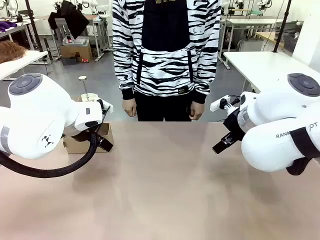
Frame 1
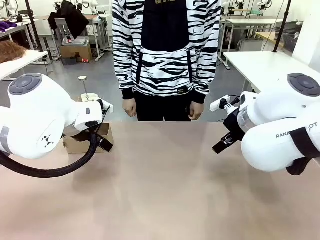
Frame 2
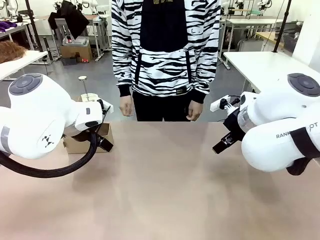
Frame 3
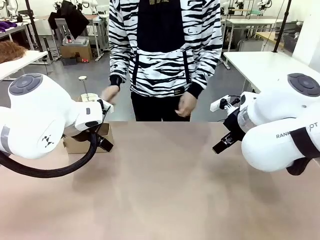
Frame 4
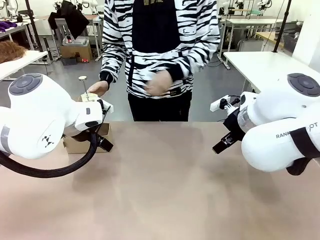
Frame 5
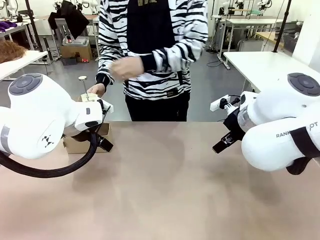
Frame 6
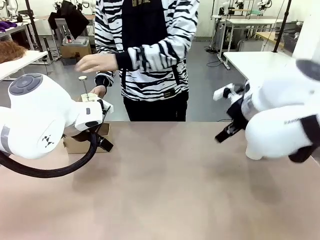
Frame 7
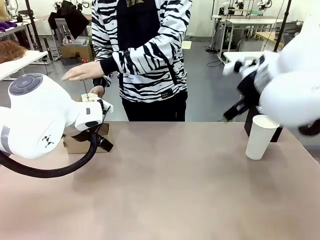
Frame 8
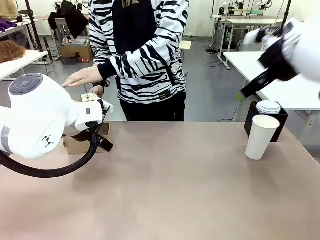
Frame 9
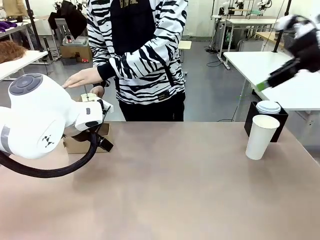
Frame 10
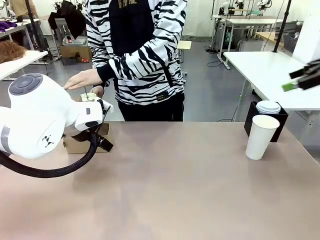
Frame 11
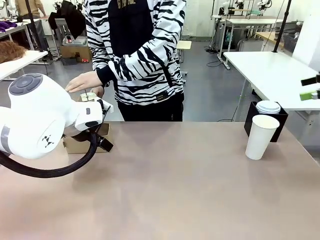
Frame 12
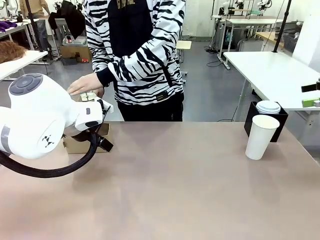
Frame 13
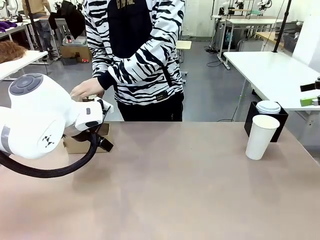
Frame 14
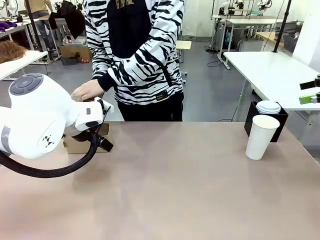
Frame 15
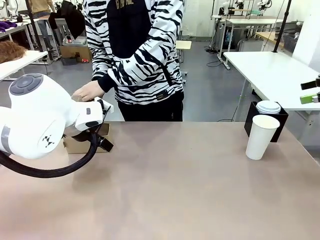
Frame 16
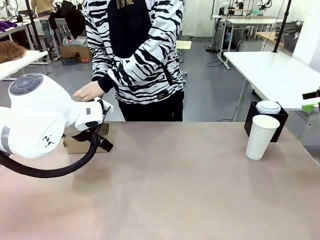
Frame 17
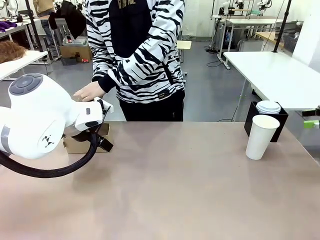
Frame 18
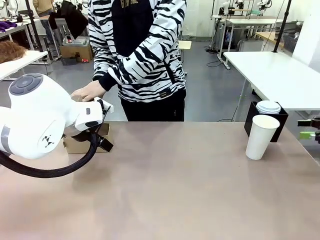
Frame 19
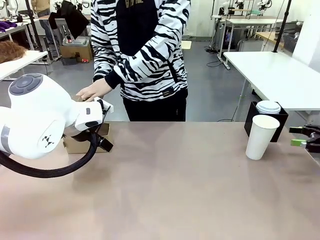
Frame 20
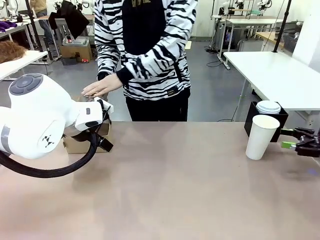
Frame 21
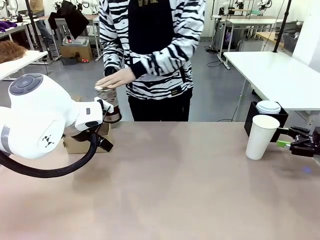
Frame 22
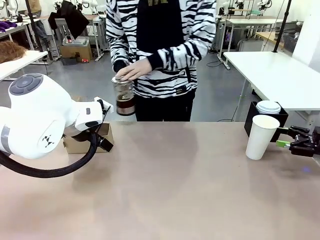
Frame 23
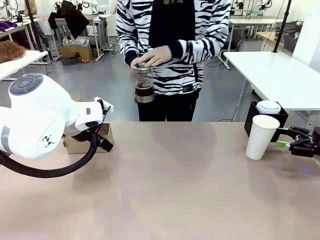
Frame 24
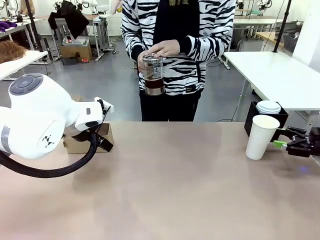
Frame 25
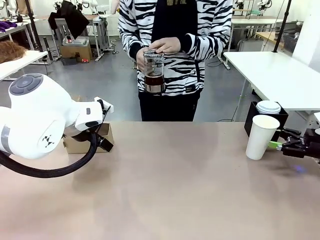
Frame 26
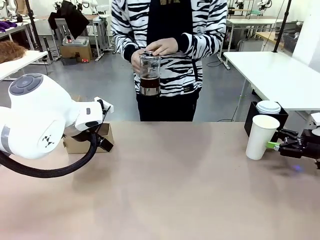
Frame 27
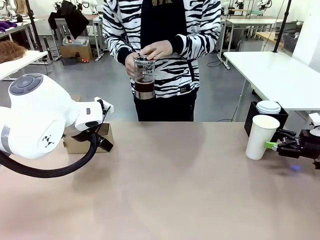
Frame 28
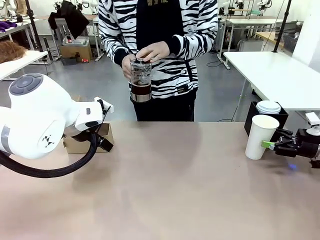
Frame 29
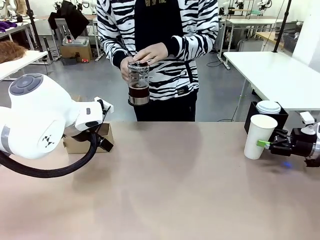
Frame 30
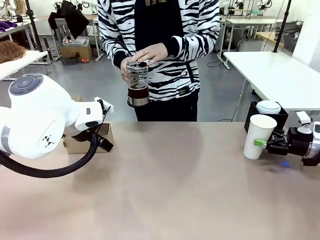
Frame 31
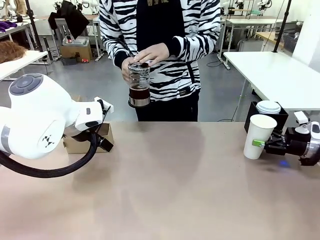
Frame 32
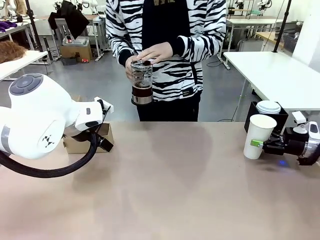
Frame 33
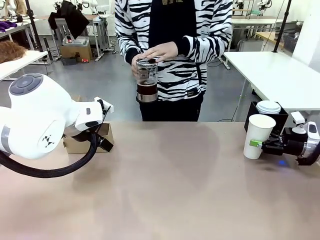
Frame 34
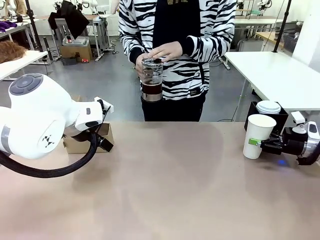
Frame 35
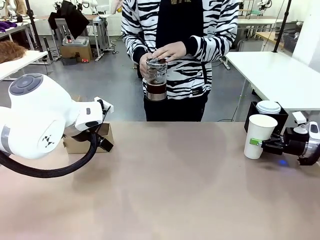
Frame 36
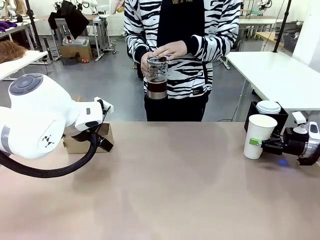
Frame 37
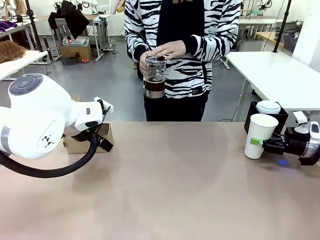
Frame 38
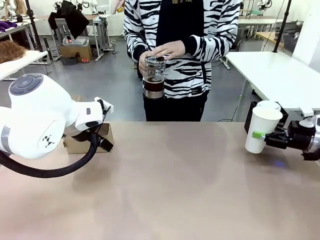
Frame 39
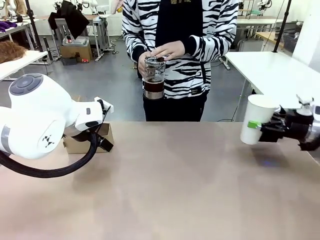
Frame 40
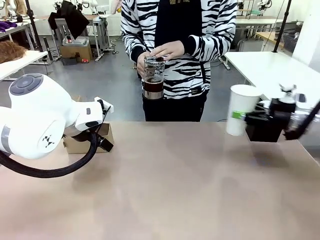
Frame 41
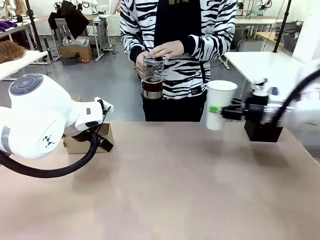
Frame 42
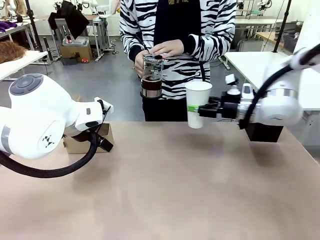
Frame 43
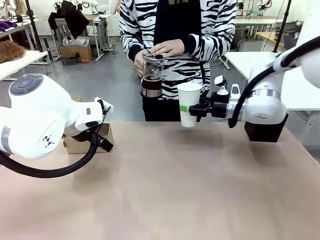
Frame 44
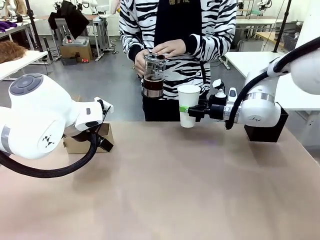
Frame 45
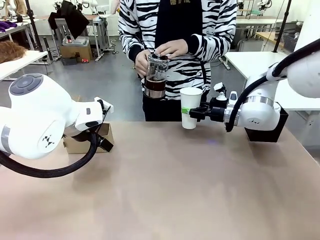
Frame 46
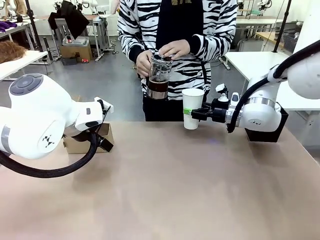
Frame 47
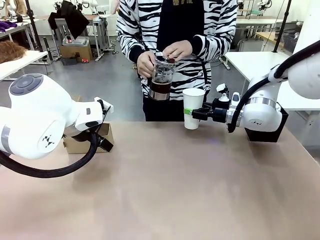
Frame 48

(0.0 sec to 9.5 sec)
Task: Pour a drink into a cup and package it in a carrier.
Robot: Pick up the 600 ml Paper Cup and place it in the middle top area of the table.
Person: Press and pick up the Filter Brewing.

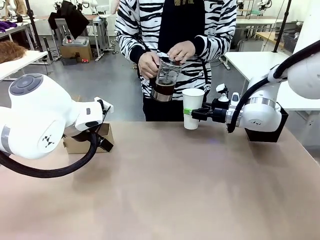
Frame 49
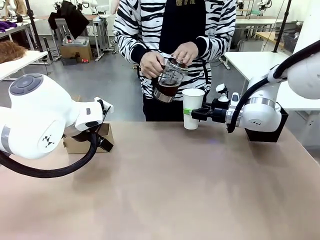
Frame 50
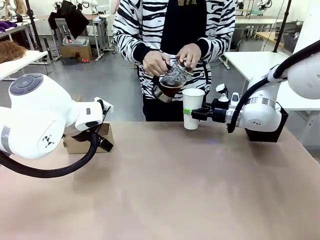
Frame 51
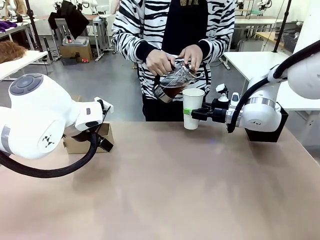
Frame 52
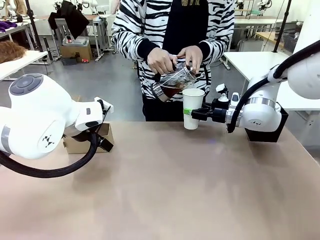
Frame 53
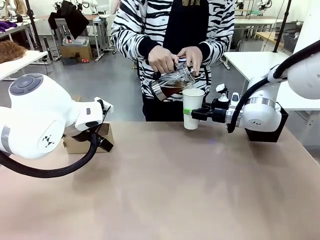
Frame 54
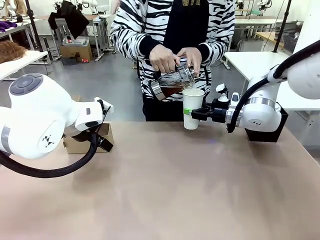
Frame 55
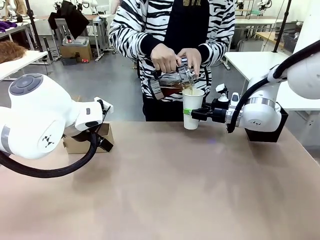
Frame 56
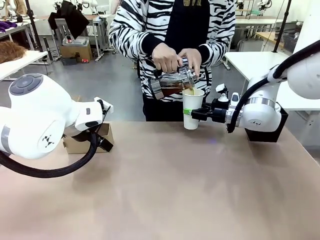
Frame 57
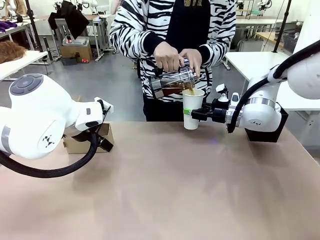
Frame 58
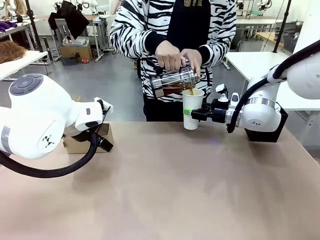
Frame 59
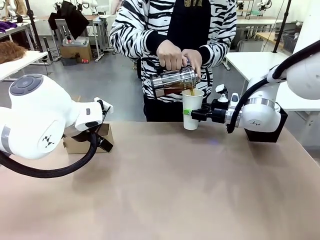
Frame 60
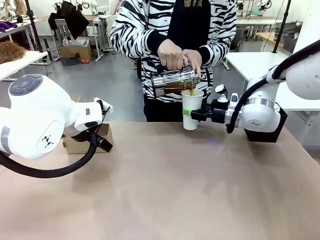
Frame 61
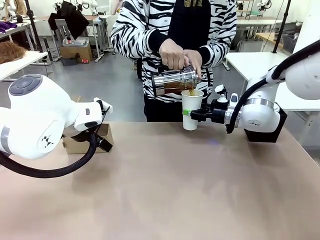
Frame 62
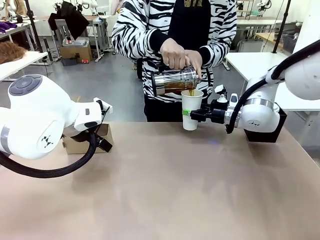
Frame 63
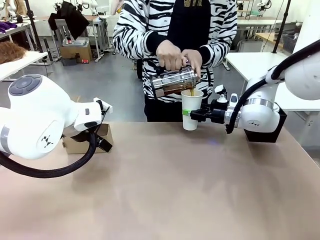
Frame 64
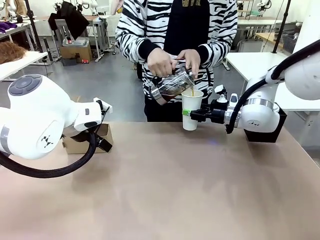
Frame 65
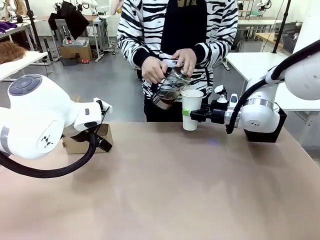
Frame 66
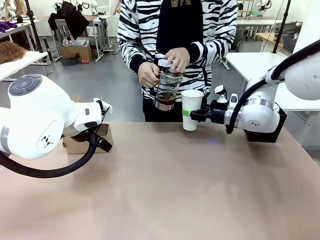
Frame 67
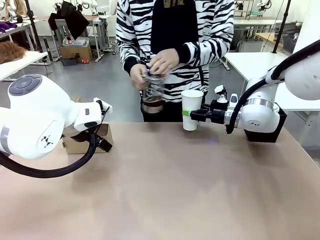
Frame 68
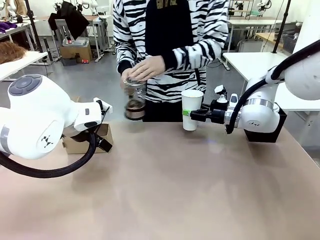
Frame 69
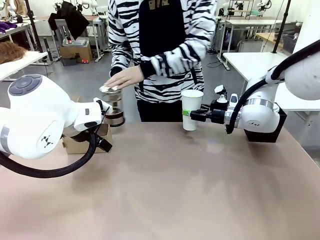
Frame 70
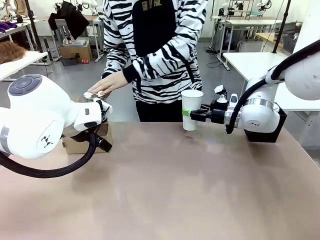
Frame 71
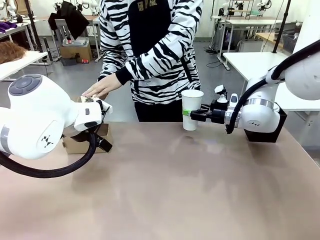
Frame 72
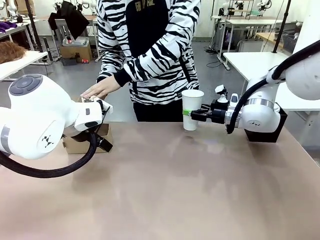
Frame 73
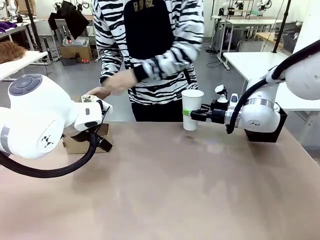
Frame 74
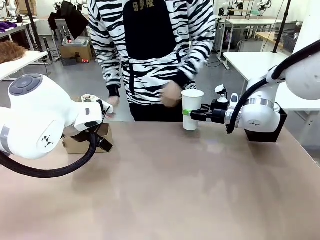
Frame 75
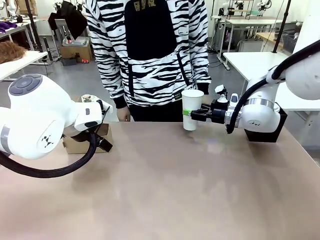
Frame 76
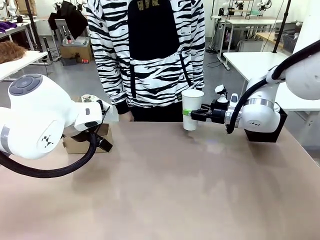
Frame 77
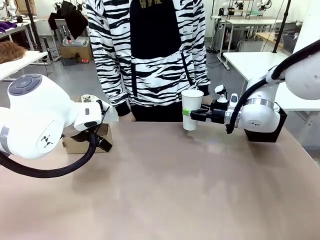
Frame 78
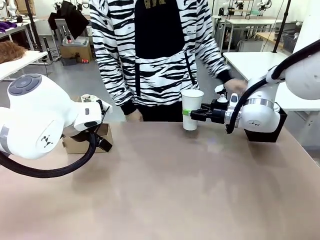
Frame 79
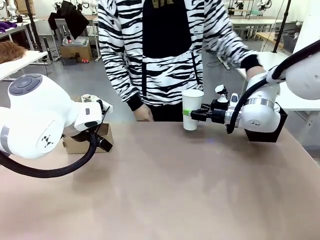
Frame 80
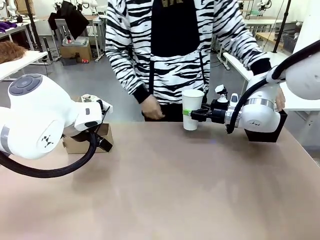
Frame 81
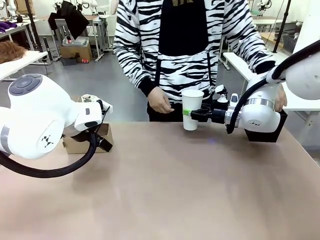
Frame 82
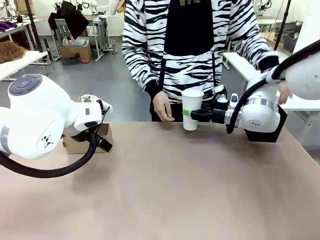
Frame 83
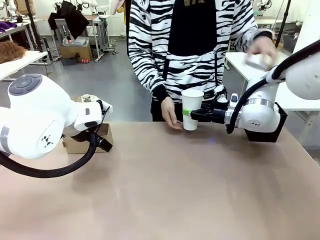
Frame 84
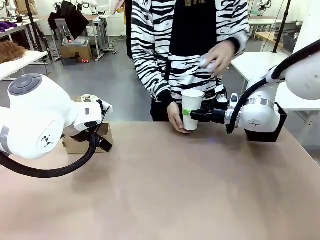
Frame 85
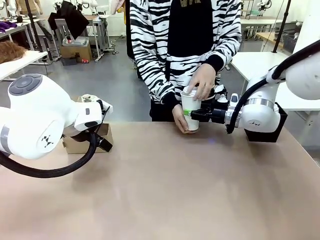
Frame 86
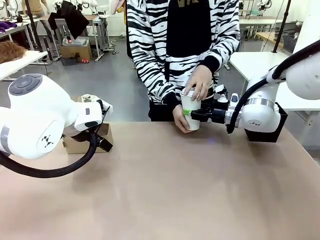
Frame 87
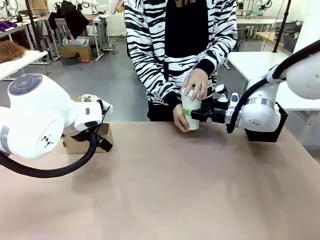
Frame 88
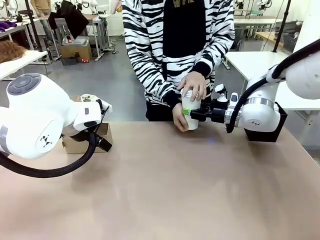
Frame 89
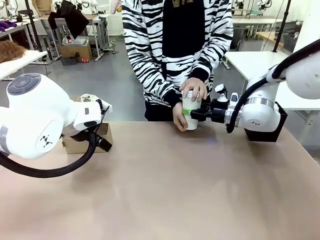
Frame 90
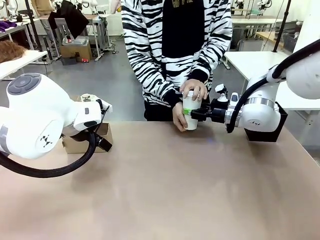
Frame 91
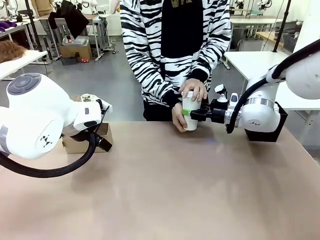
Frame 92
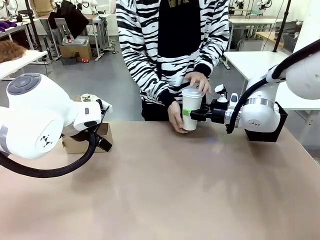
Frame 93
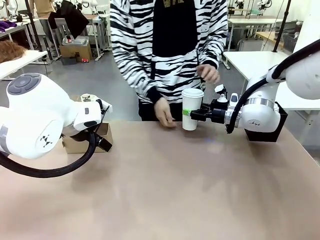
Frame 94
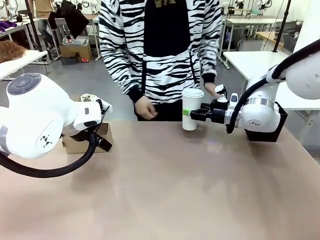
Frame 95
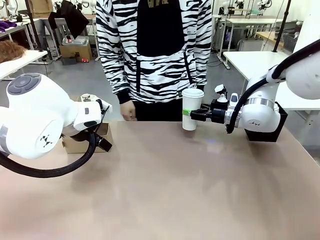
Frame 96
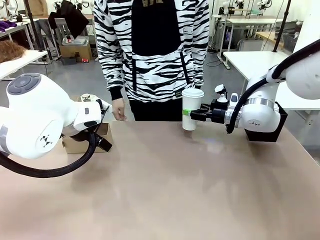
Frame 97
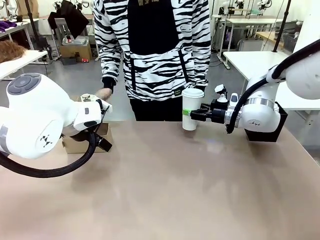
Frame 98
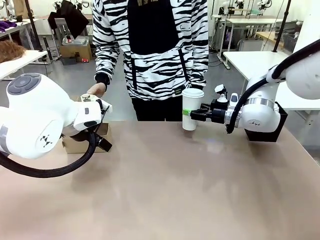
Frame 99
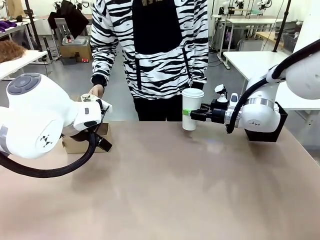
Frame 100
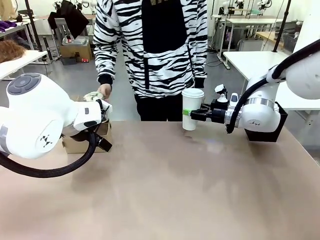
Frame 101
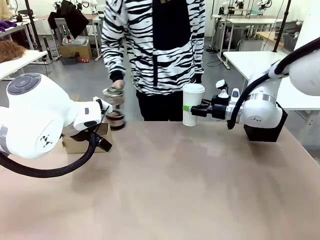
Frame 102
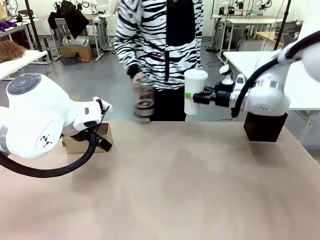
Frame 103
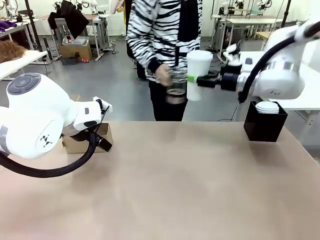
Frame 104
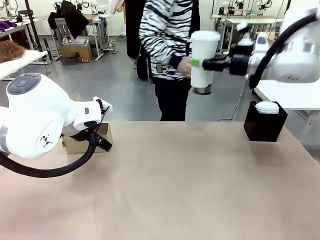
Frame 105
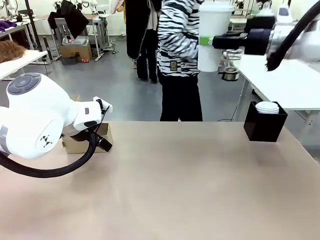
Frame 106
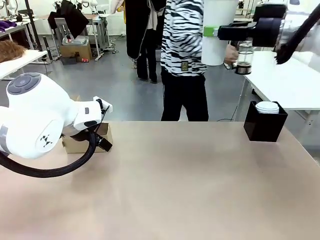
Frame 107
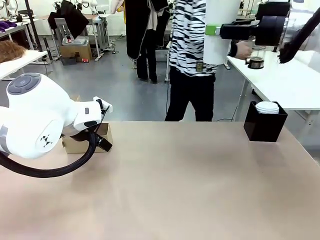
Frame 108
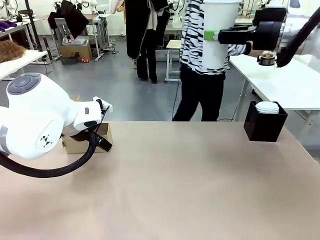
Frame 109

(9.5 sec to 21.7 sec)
Robot: When a person places the Paper Cup Lid on the 600 ml Paper Cup , lift the 600 ml Paper Cup.
Person: Pour the drink from the Filter Brewing into the 600 ml Paper Cup. Place a Paper Cup Lid on the 600 ml Paper Cup.
